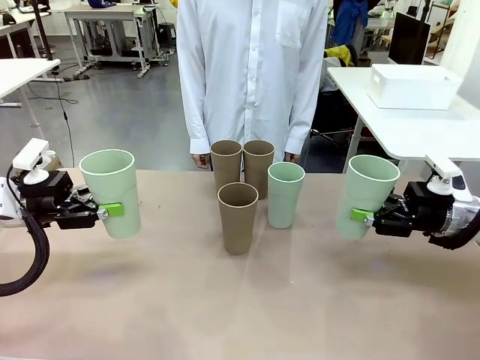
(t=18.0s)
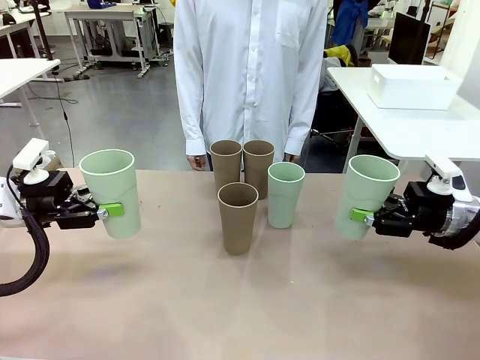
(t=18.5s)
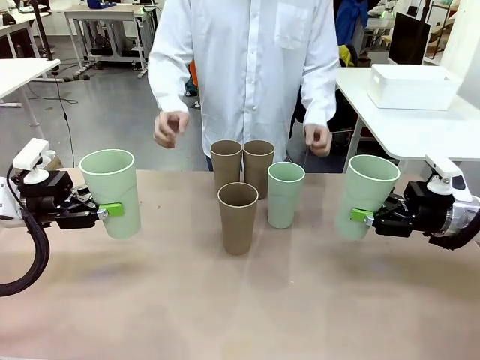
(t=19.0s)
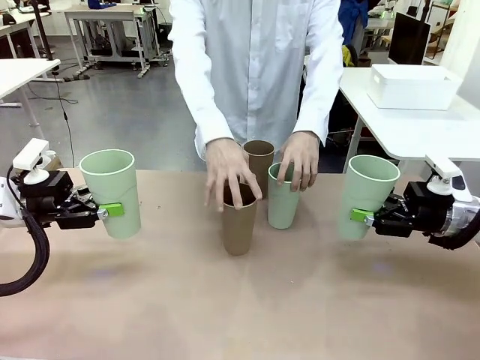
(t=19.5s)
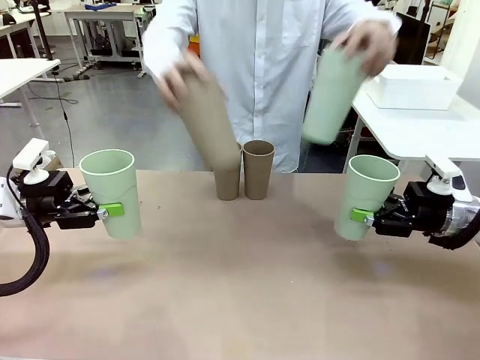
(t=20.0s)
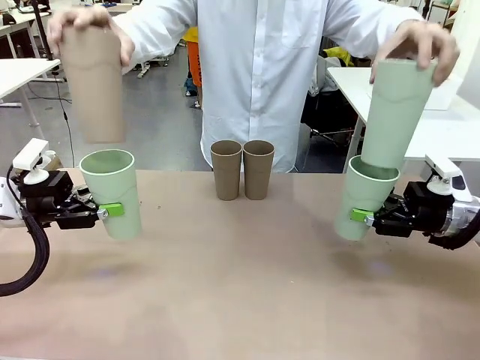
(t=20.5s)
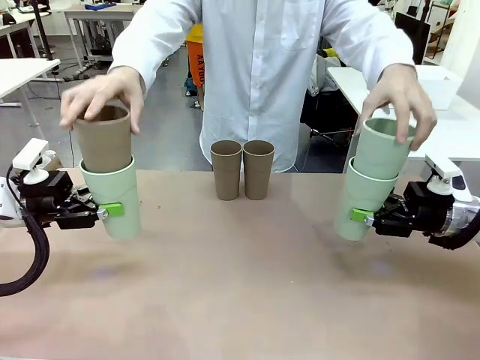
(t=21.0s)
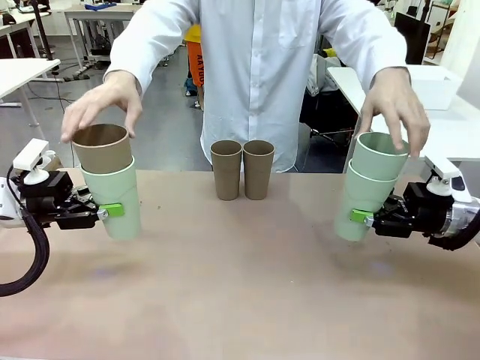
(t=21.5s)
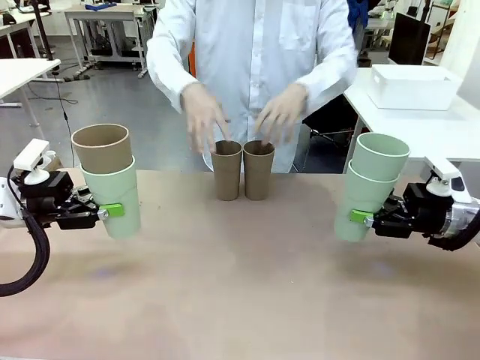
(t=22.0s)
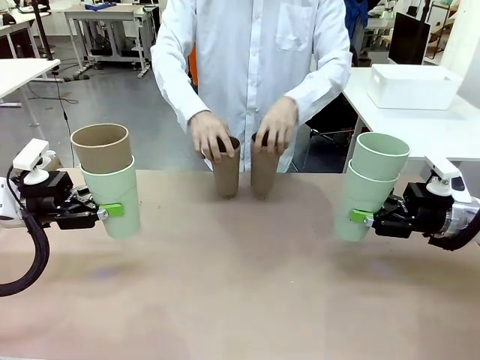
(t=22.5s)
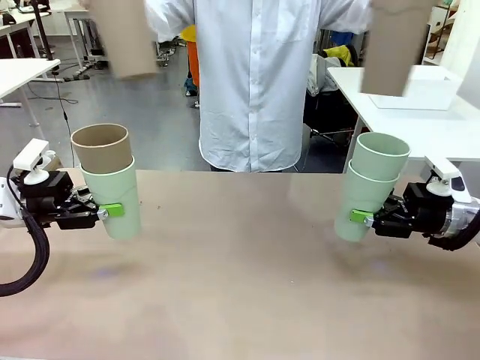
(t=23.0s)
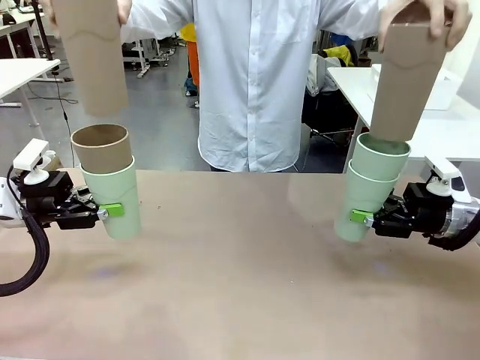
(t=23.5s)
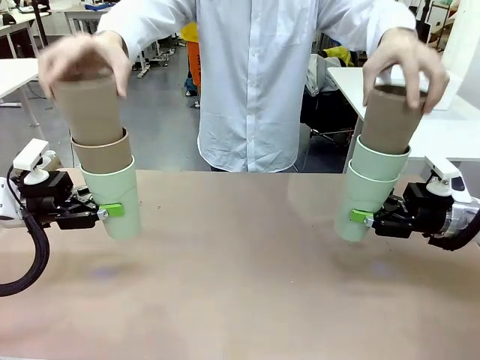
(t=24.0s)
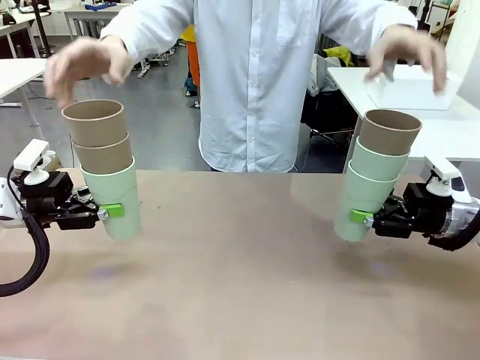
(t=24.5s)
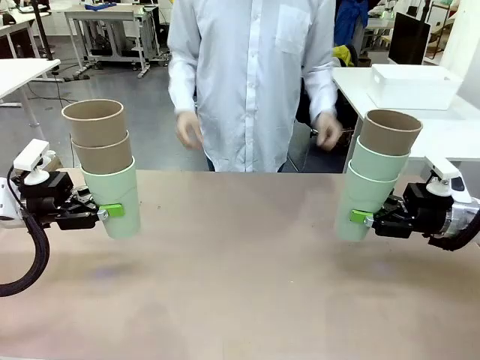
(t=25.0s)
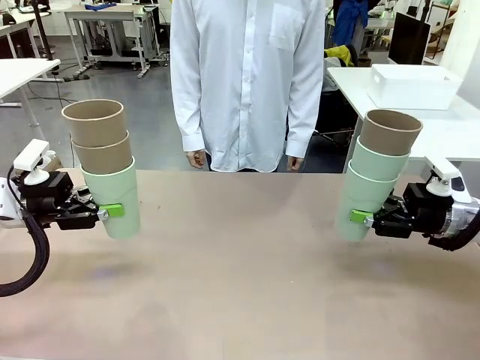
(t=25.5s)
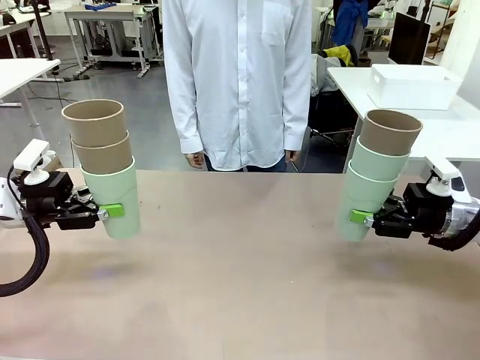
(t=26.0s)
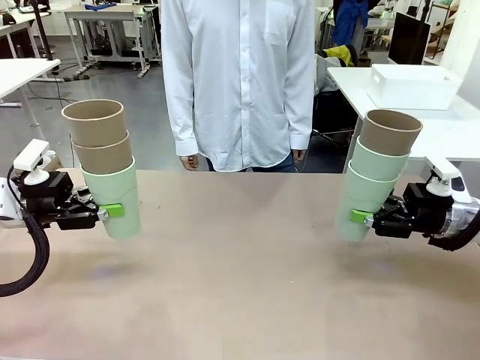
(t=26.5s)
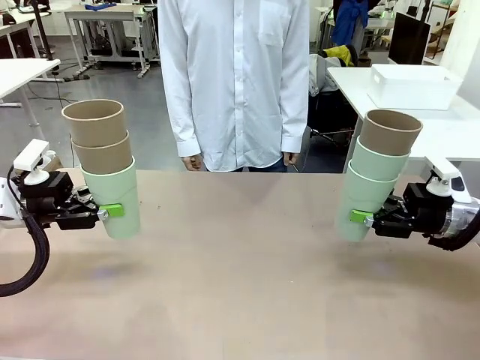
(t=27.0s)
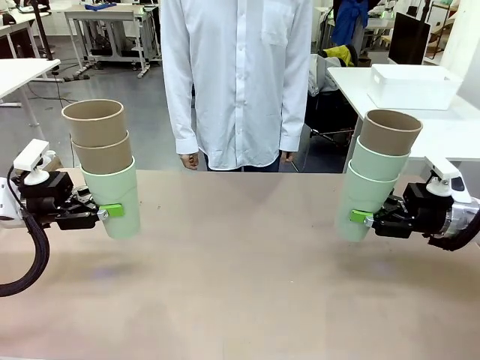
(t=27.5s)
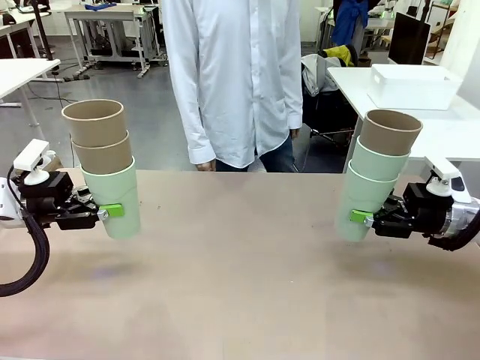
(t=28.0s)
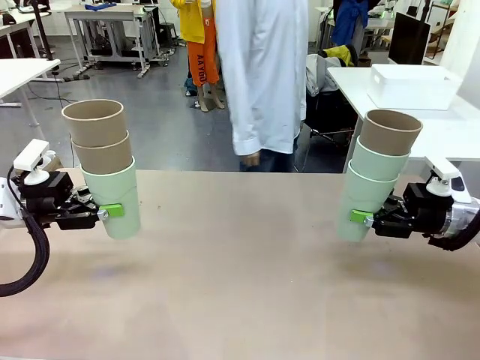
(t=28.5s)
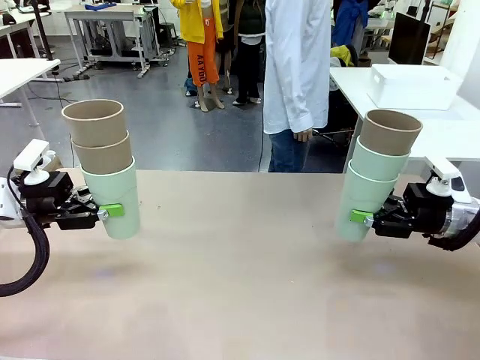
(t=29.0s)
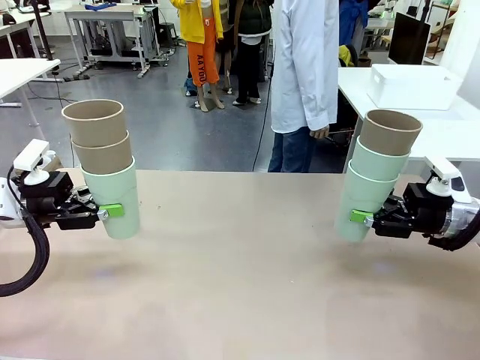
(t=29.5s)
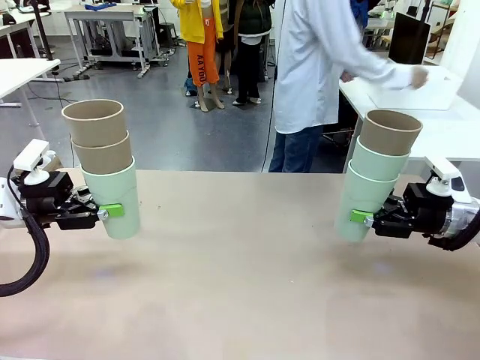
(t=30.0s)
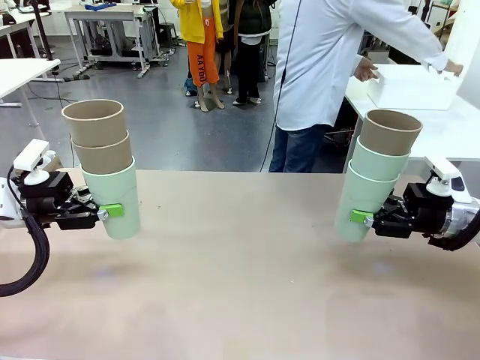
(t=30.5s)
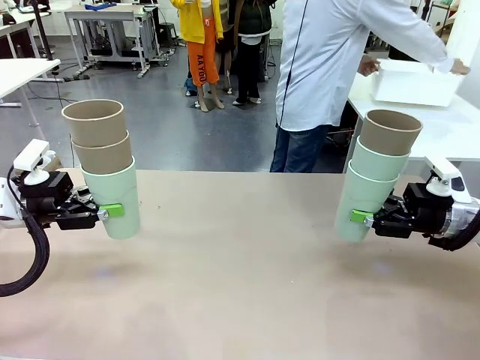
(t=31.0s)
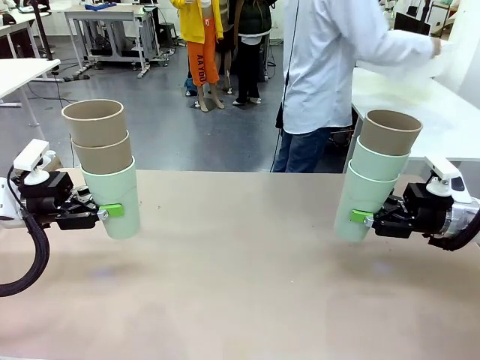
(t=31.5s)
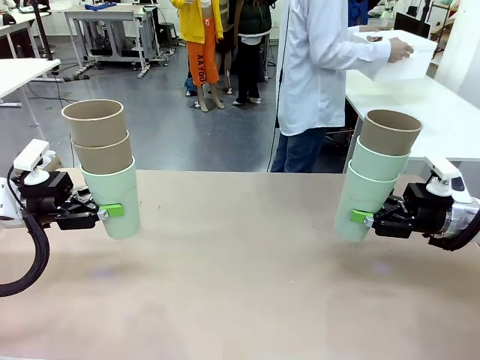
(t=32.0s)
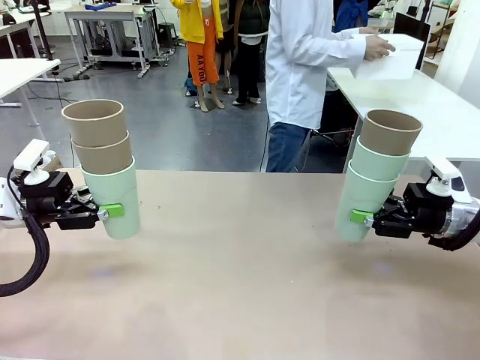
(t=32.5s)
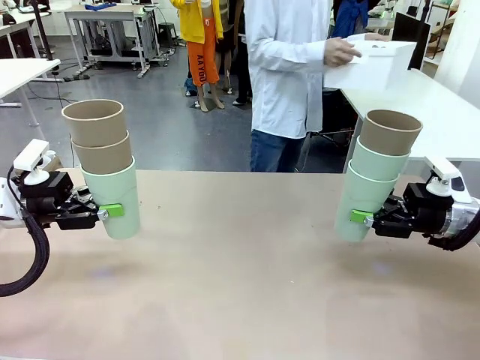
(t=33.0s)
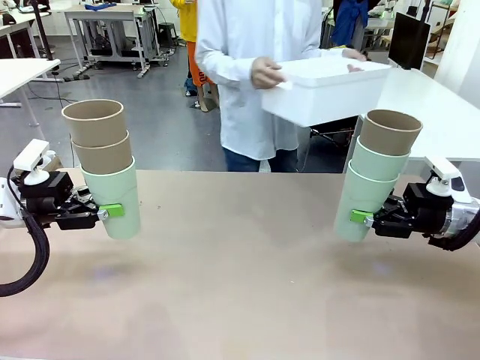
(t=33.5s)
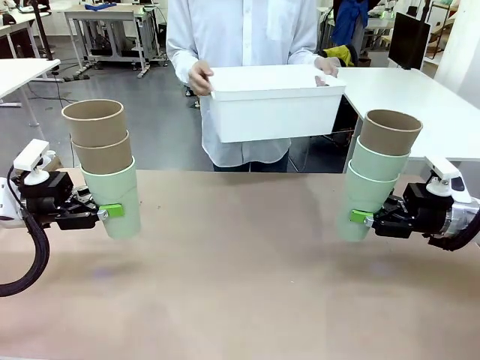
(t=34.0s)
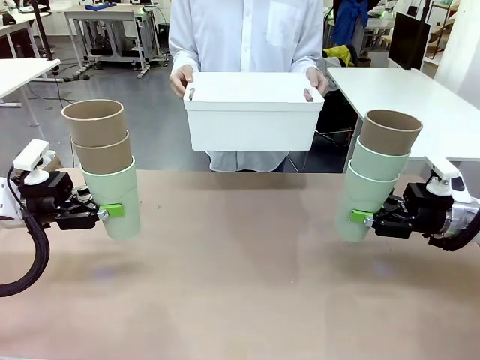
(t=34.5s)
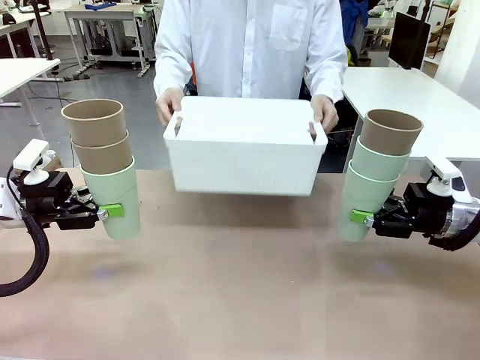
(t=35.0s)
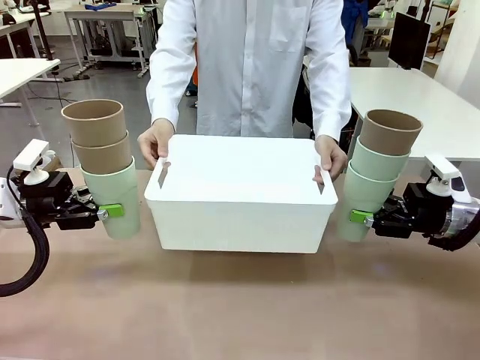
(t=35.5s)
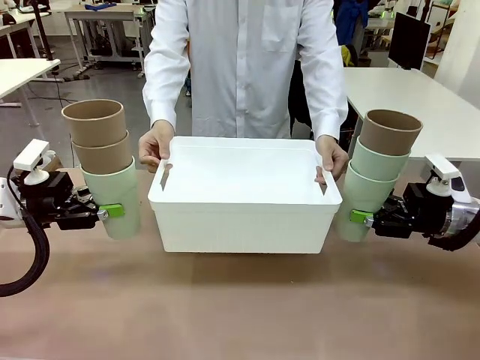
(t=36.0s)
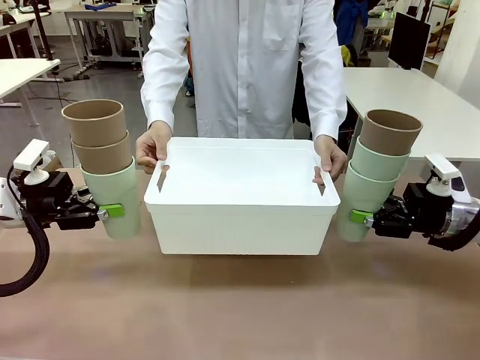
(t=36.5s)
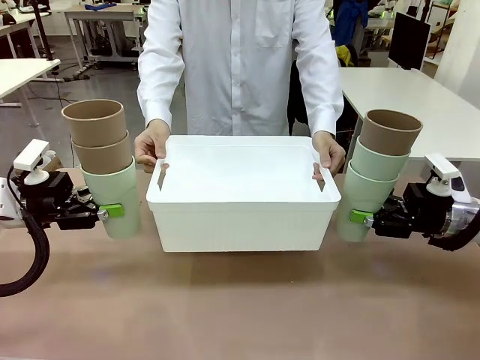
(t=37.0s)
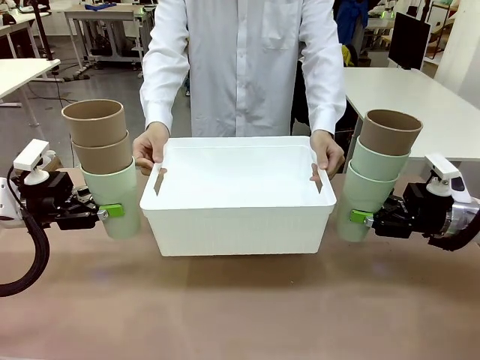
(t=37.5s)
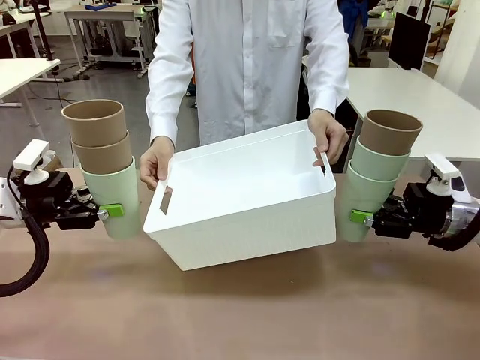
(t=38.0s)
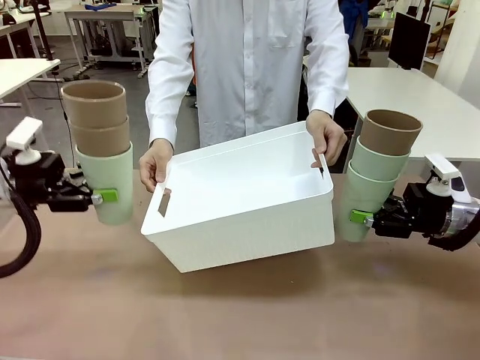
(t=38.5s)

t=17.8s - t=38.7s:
Task: Stack the cups and store them in the basket.
Robot: Place the stack of Reusable plastic cups into the Pantry Basket.
Person: Pick up the basket from the Human Table, bring it to the front of the robot, and present it.

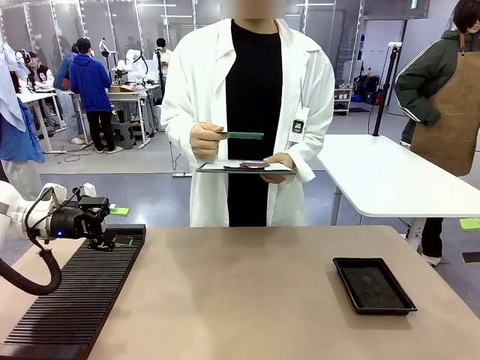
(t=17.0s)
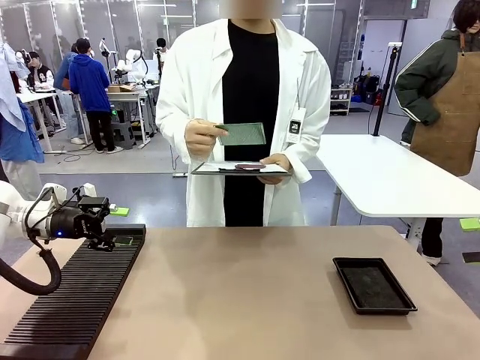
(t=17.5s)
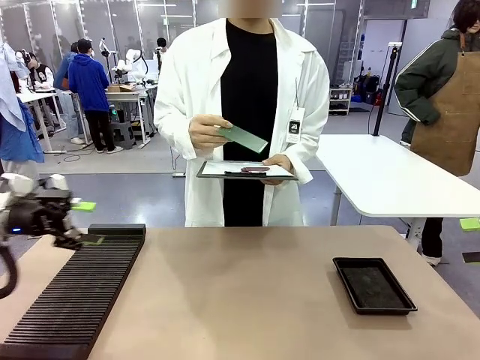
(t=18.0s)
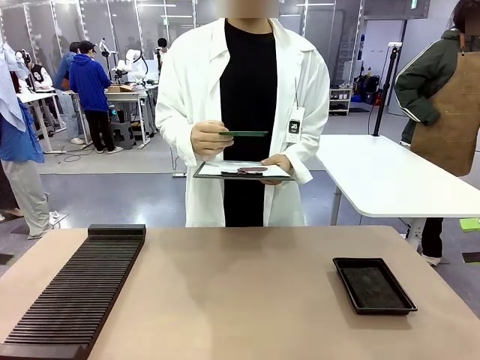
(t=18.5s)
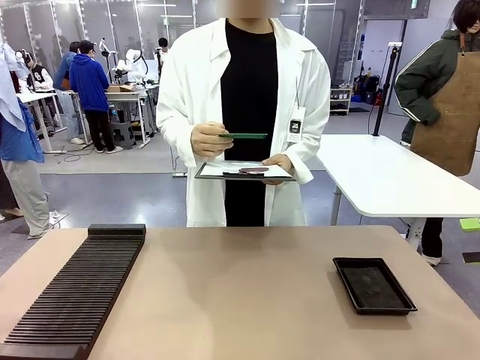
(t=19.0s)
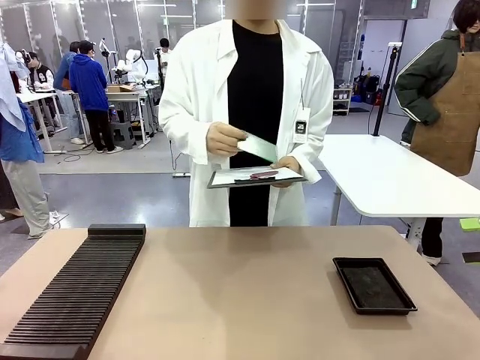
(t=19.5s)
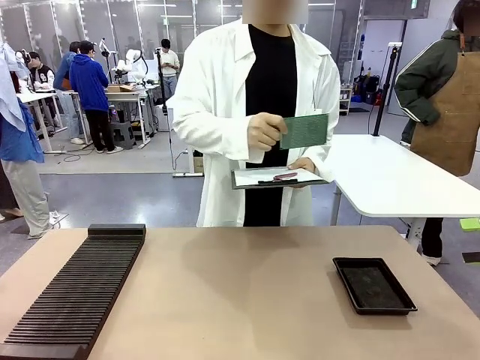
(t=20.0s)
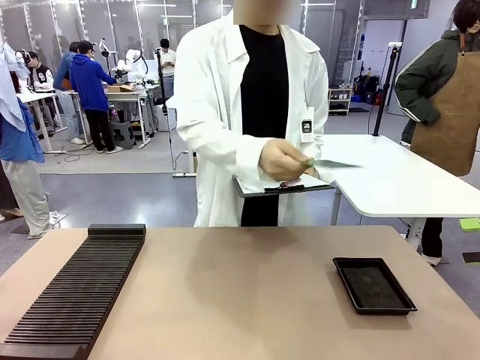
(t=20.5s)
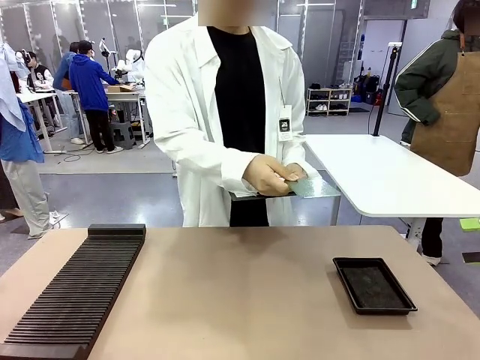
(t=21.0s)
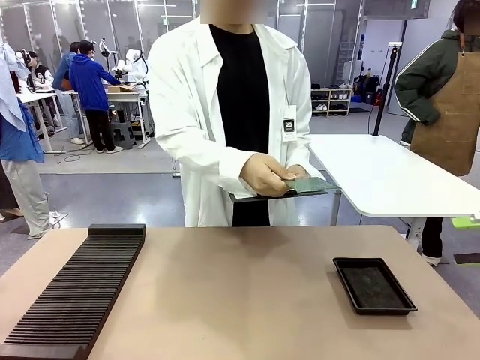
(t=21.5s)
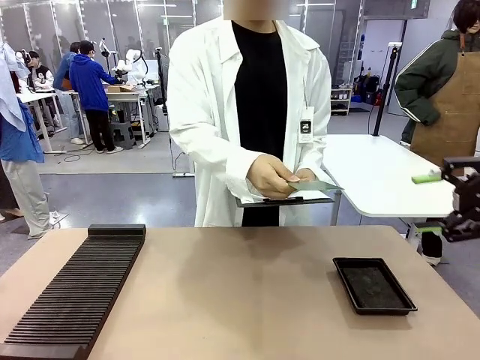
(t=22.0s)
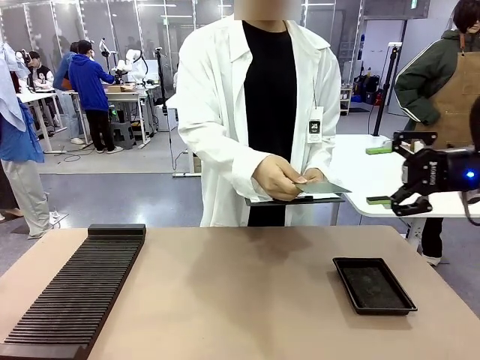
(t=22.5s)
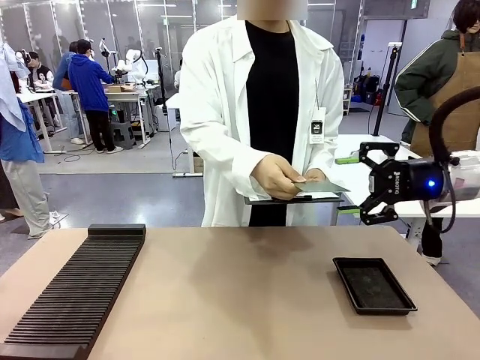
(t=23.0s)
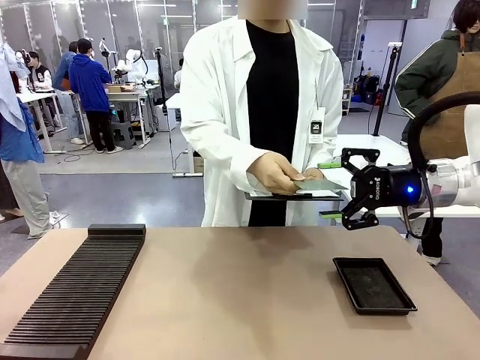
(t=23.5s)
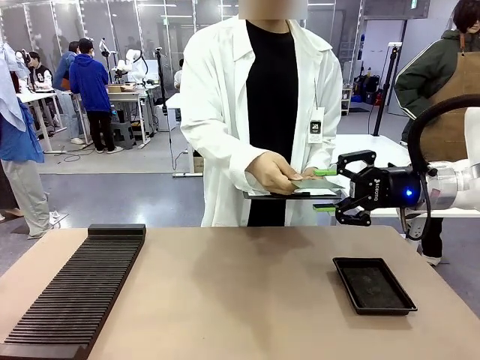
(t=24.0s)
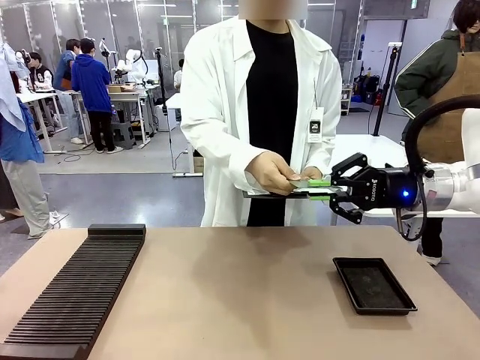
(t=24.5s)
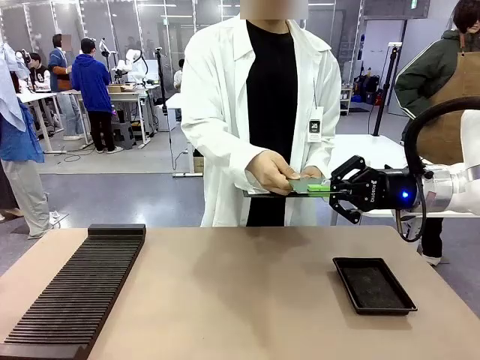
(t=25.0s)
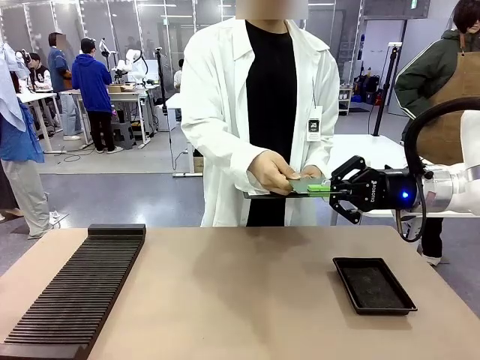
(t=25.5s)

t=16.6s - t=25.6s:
Task: Inspect the PCB.
Robot: Pick up the Blank PCB that the human is holding.
Person: Inspect the PCB placed by the robot, then hold it out in front of the robot. Release the PCB you were holding.
